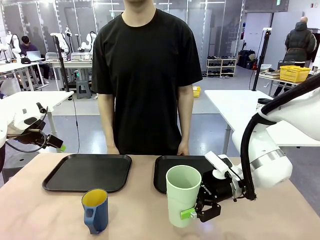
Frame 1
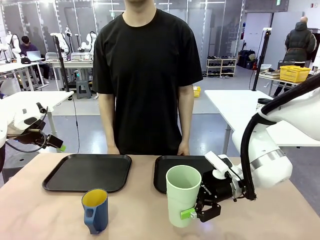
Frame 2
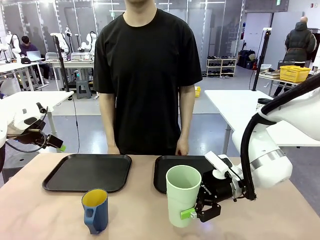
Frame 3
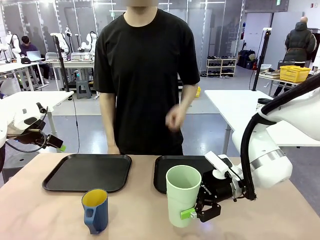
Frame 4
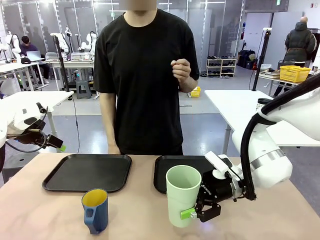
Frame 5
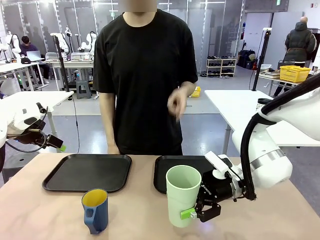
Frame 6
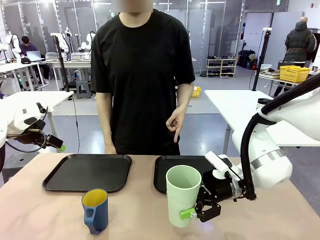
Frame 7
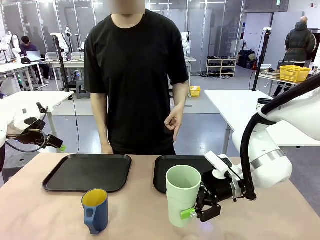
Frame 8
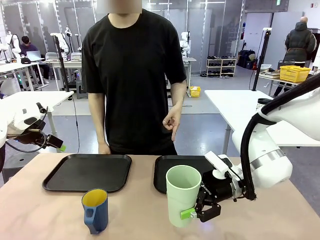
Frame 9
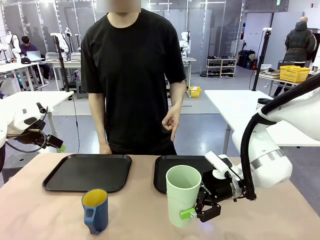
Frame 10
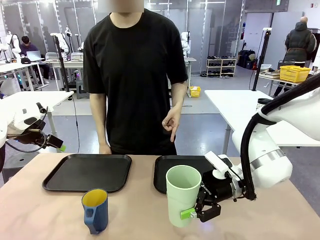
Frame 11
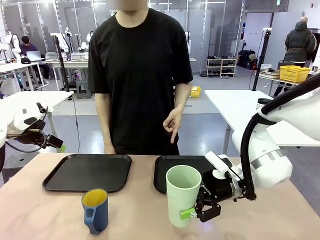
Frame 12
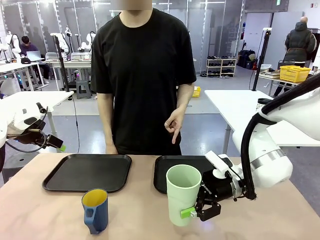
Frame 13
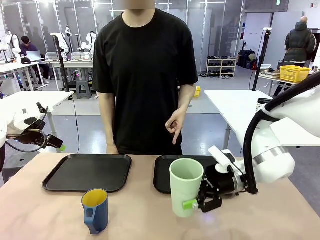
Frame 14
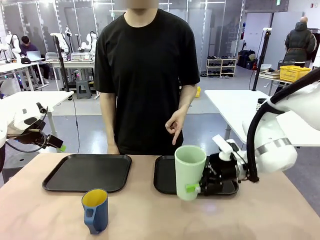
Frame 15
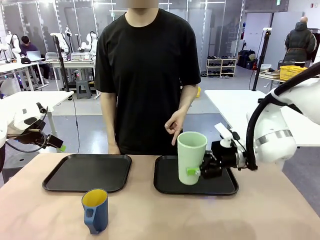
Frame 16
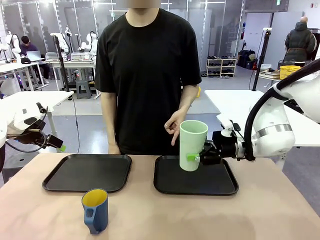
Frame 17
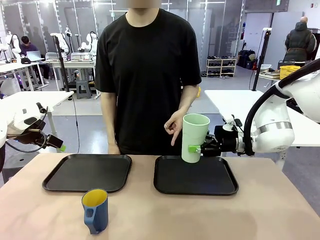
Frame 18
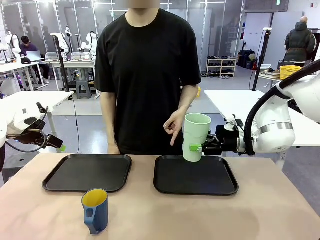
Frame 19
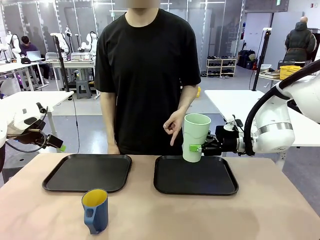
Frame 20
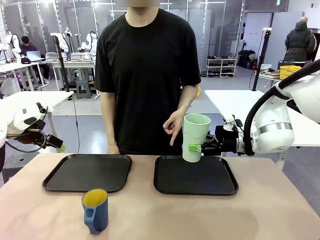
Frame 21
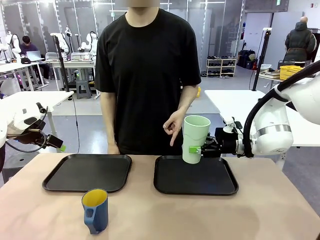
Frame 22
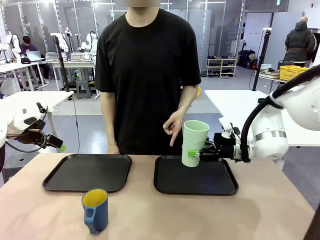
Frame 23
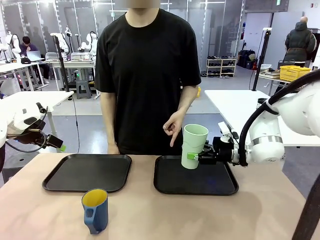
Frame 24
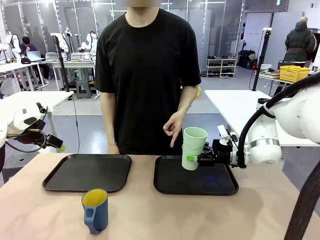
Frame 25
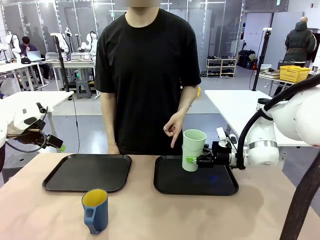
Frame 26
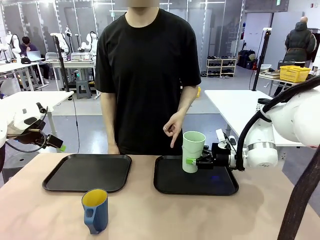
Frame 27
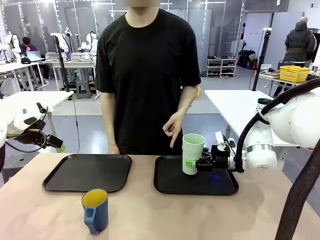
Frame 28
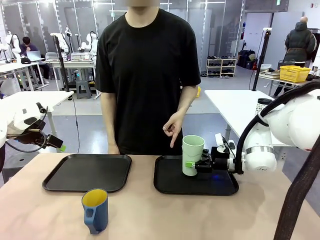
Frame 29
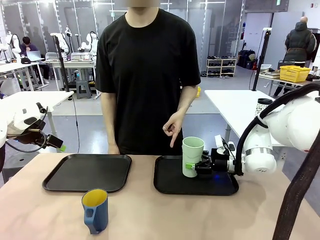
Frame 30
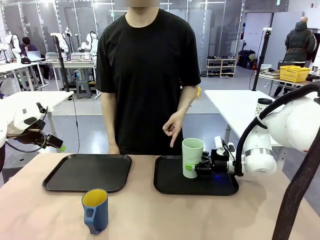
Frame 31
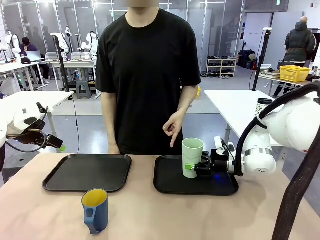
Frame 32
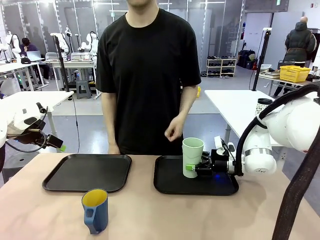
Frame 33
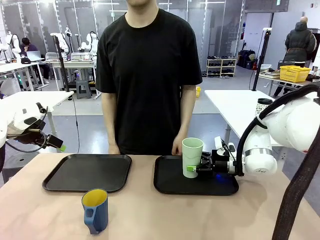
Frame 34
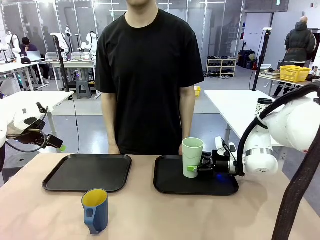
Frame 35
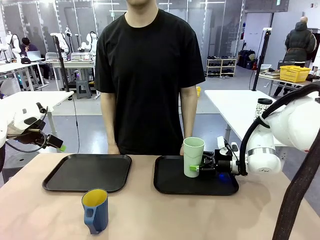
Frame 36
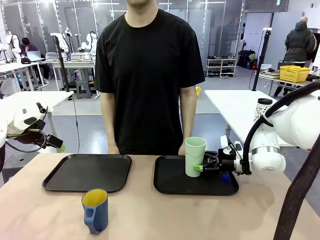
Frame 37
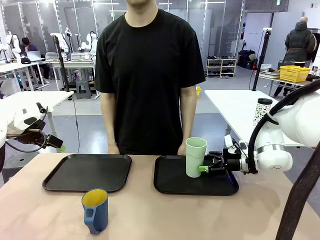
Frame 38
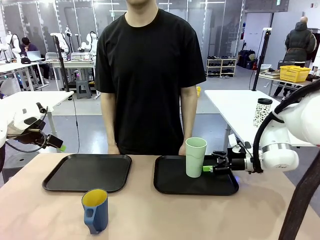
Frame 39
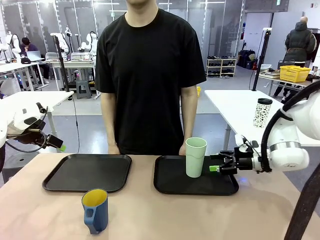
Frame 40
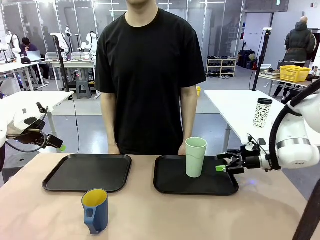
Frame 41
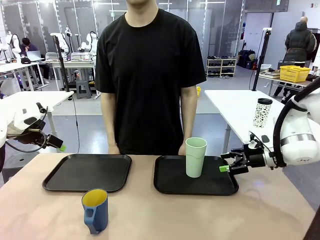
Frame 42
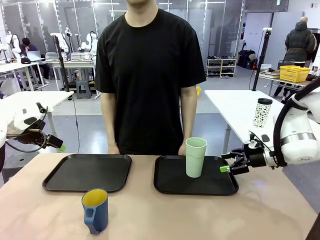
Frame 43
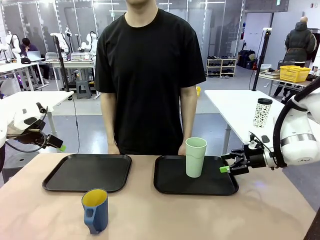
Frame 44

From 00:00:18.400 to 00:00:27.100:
Task: Sort and store the cups by type.
Robot: Place the picked Reusable plastic cup into the Flat Tray indicated by the person.

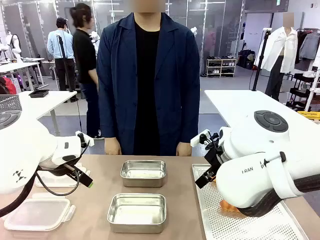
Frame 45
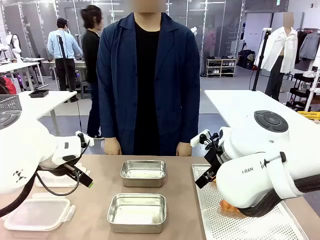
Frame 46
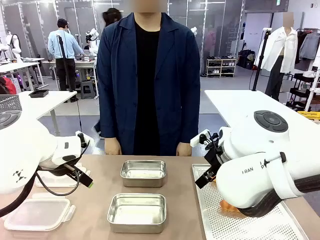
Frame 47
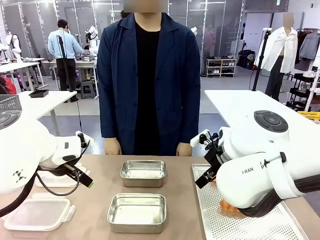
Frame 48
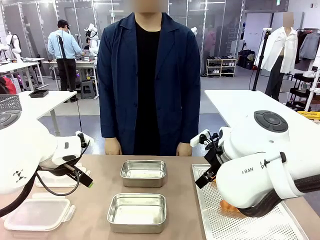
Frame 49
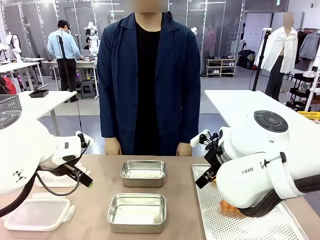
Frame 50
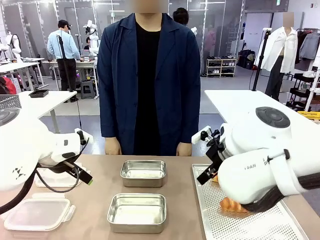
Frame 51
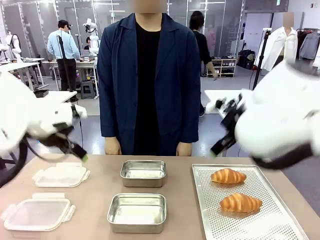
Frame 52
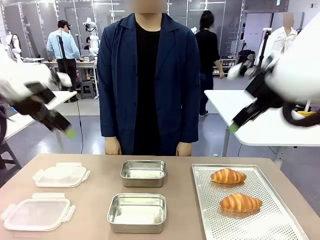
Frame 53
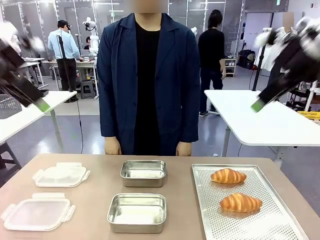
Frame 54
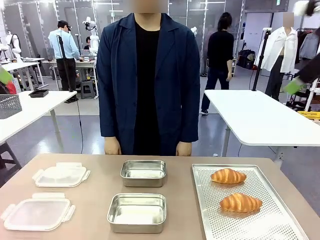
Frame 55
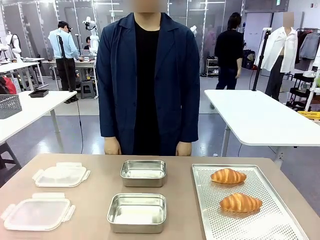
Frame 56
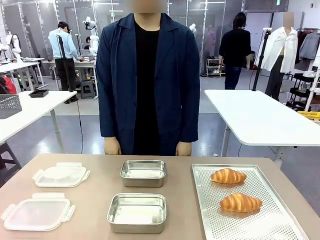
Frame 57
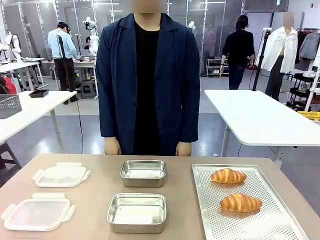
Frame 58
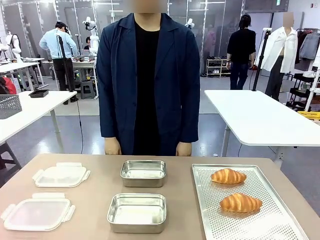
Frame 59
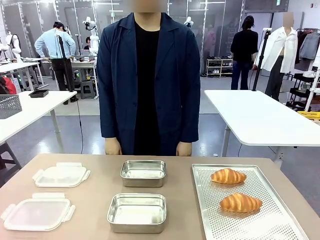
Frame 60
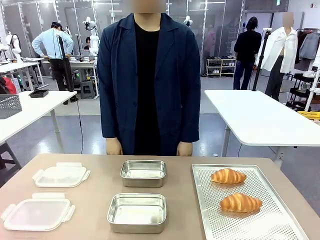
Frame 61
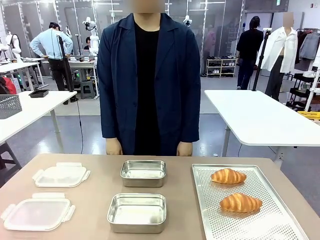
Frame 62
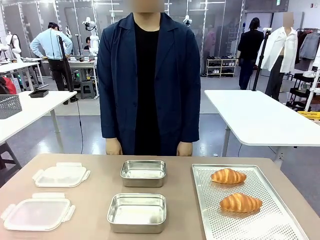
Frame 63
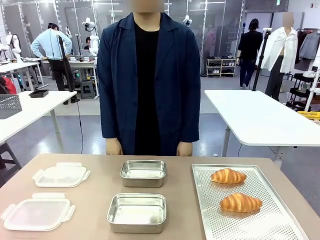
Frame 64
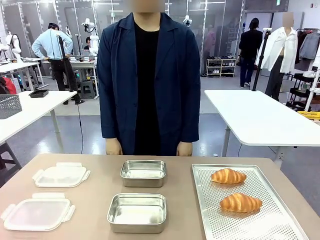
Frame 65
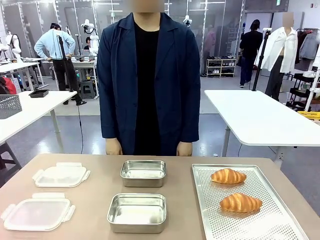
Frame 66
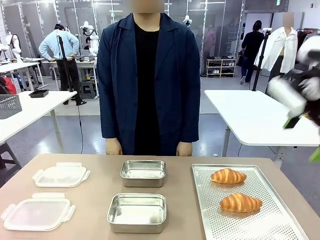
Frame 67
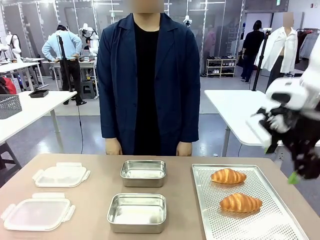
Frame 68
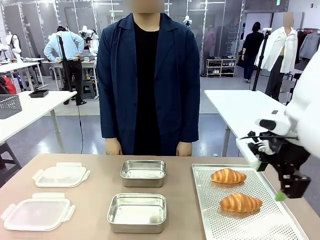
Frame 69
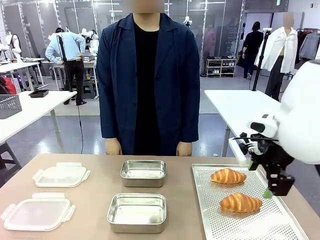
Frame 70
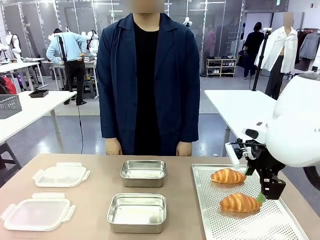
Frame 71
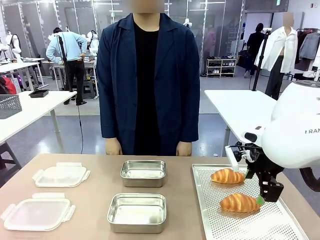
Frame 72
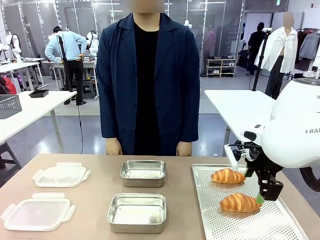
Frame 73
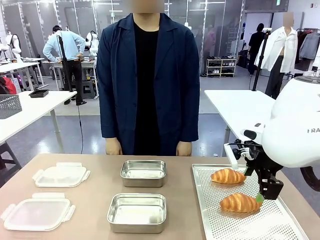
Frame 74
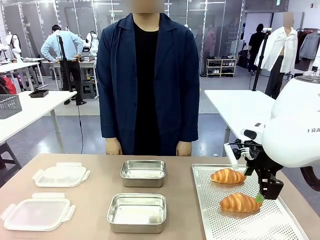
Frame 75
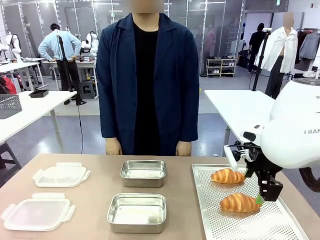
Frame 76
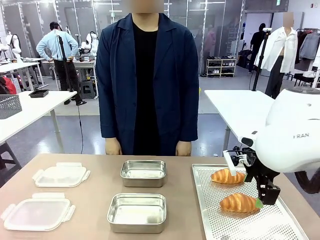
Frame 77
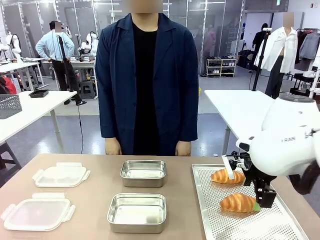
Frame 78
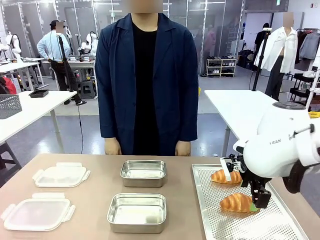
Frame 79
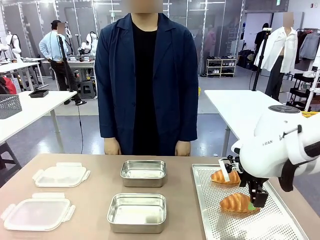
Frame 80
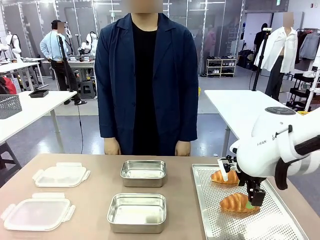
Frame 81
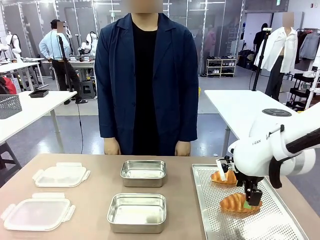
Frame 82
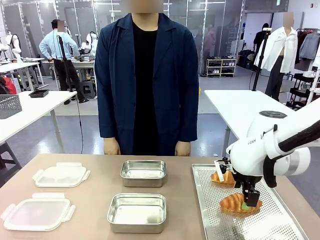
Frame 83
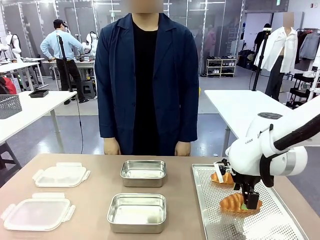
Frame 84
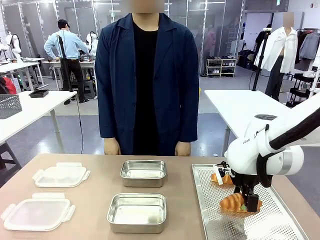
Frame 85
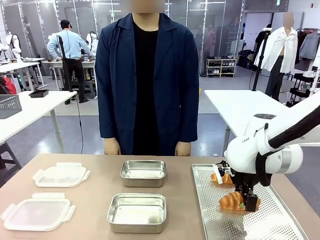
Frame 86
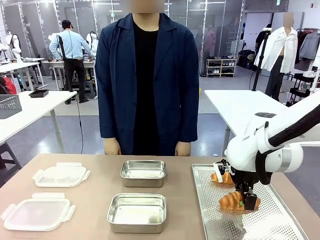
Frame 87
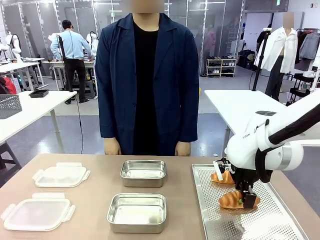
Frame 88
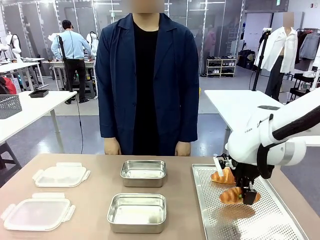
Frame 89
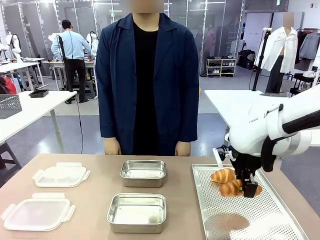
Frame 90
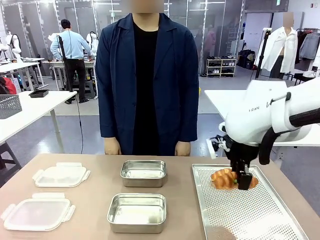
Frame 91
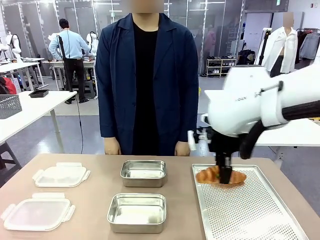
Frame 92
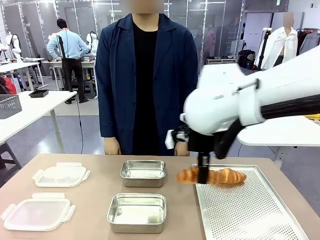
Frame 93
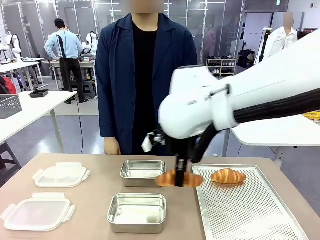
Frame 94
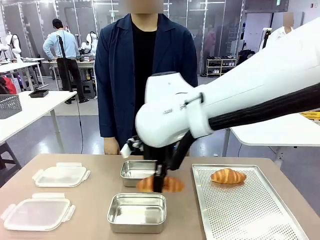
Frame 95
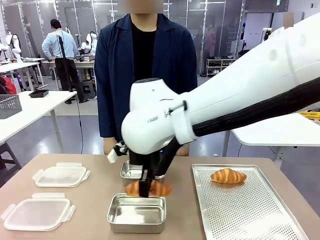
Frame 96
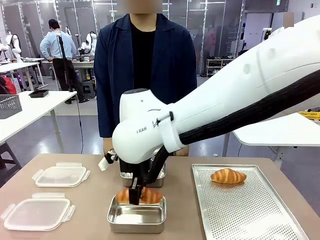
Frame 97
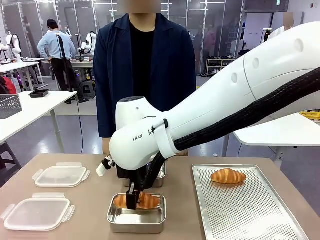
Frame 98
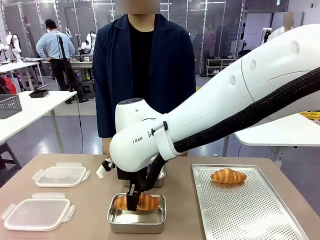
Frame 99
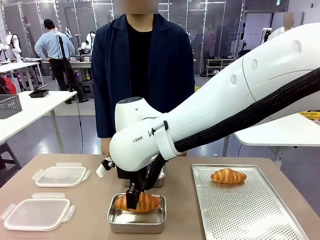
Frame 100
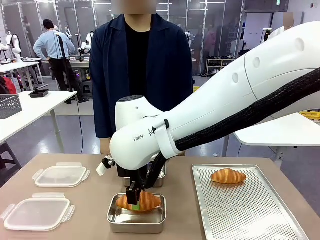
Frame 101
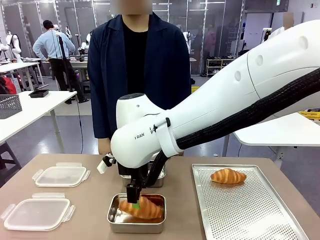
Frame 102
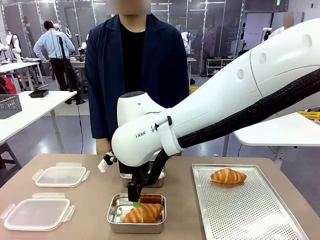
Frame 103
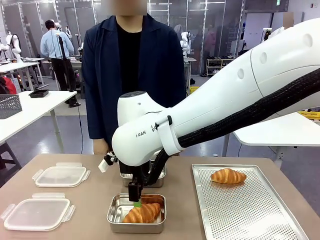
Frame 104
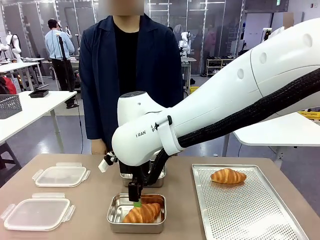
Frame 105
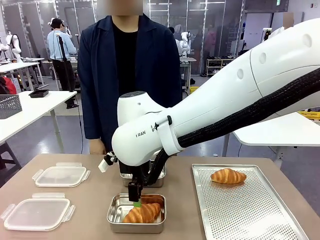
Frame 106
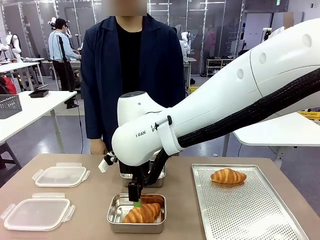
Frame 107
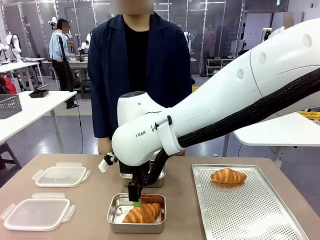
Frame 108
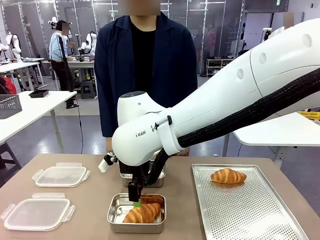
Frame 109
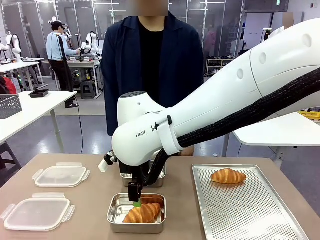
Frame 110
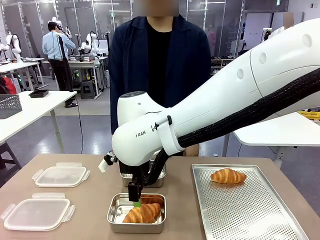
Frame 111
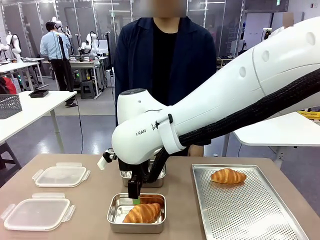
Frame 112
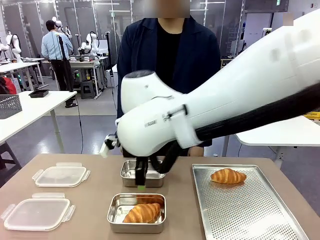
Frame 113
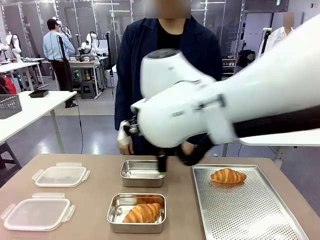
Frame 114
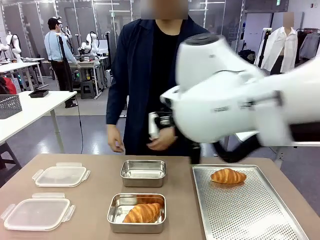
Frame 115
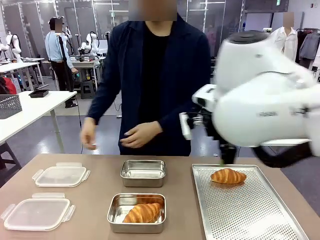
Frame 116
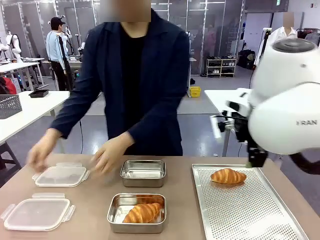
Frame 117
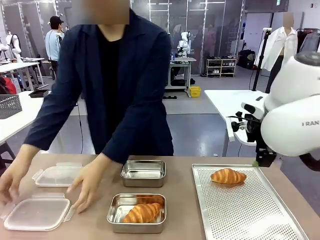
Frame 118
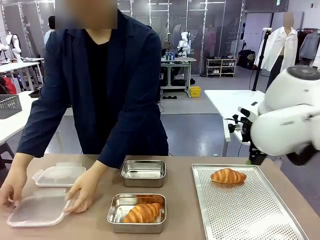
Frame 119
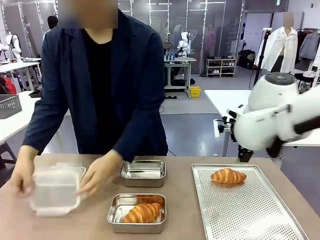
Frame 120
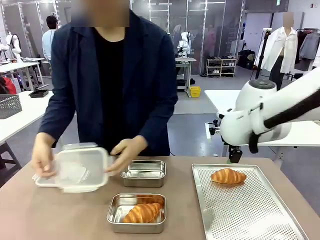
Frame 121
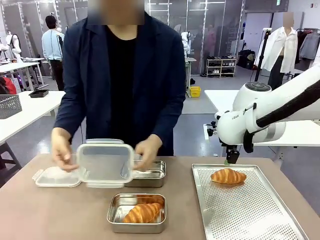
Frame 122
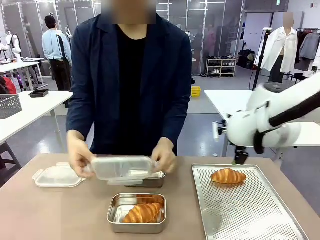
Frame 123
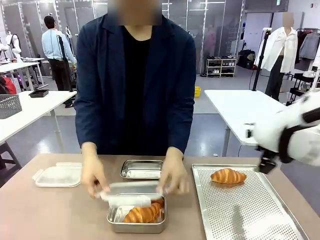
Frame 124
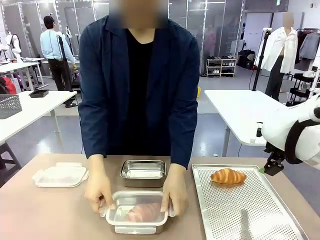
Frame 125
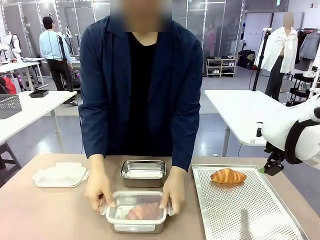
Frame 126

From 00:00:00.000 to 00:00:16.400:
Task: Place the bread into the airtight container.
Robot: Pick up a Butter Roll and place it into an empty Airtight Container.
